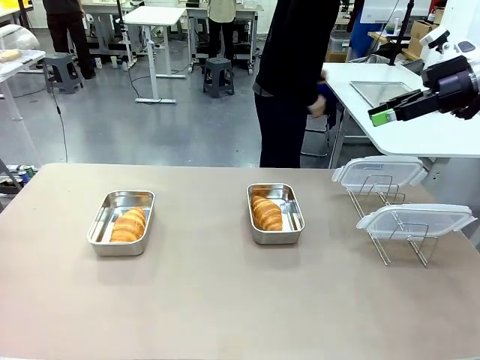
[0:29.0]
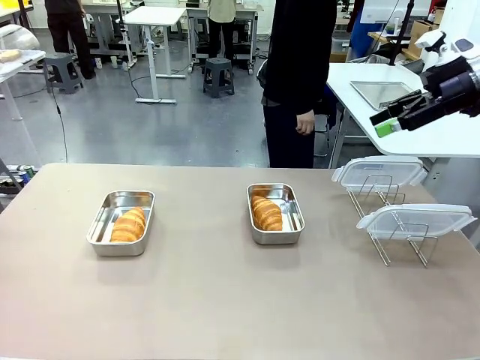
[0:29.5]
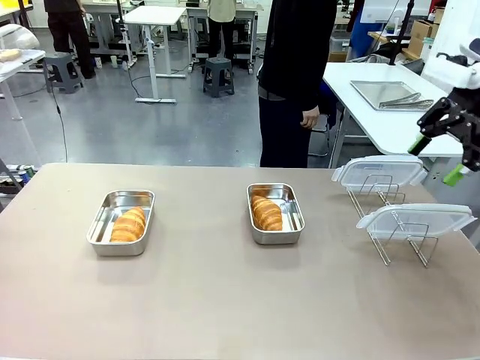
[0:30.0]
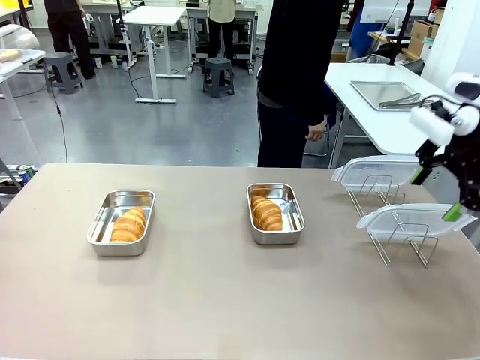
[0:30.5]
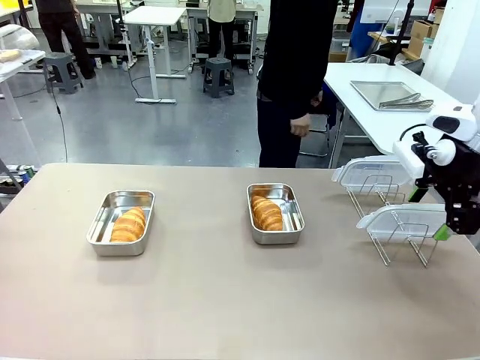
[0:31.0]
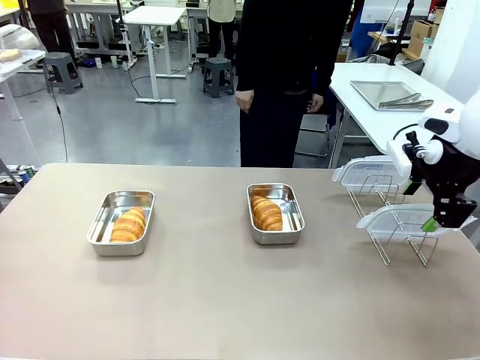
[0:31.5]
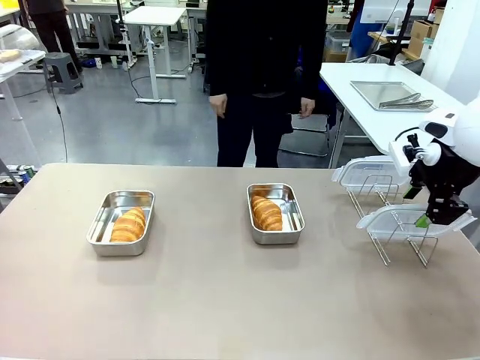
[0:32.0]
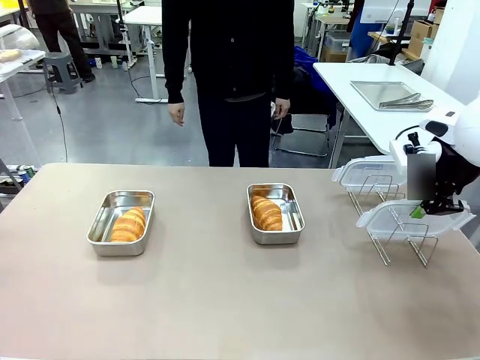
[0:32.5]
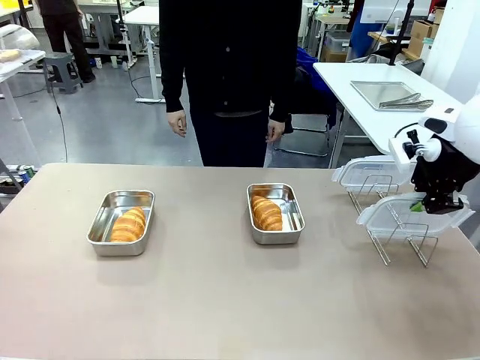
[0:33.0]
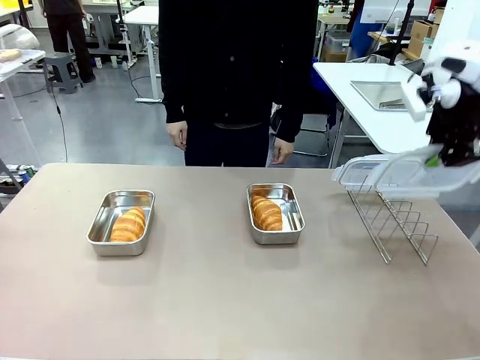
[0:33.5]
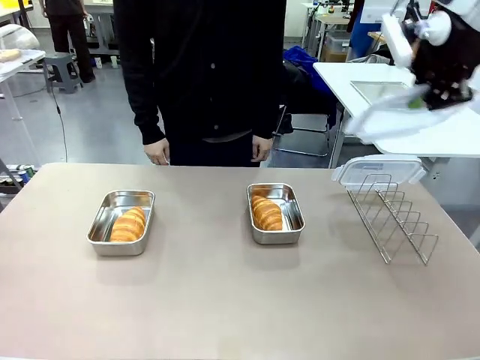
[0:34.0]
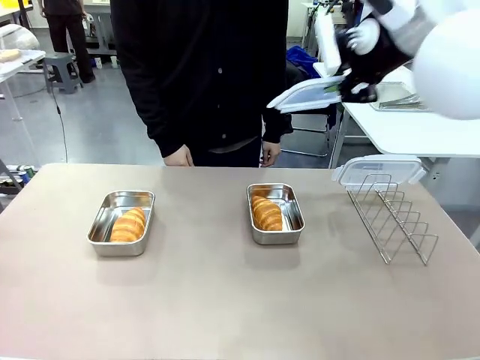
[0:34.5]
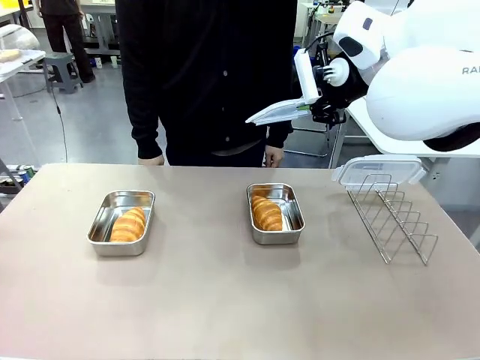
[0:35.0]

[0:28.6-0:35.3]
Task: Place the bread in airtight containers.
Robot: Pick up one Airtight Container lid and hand it to the human.
Person: Grip Airtight Container lid that robot is handing.

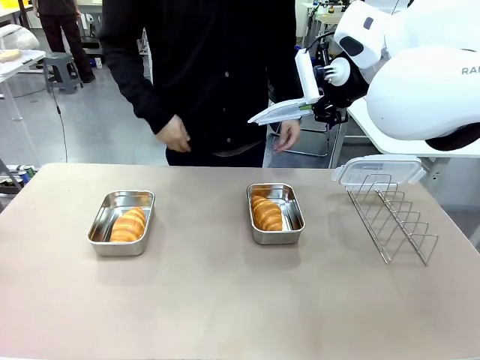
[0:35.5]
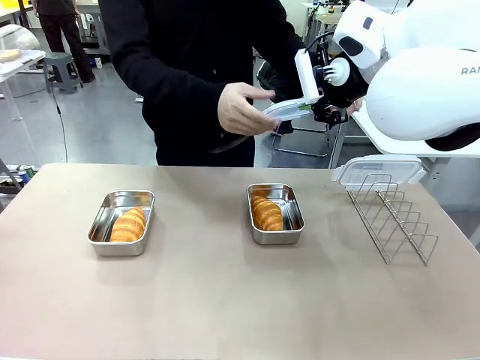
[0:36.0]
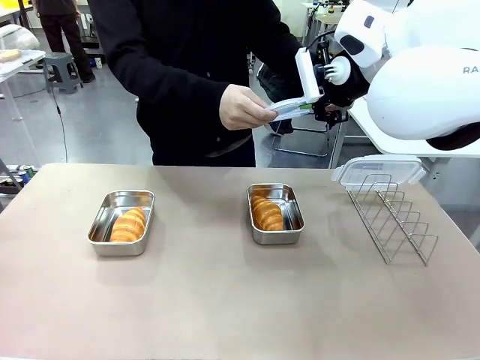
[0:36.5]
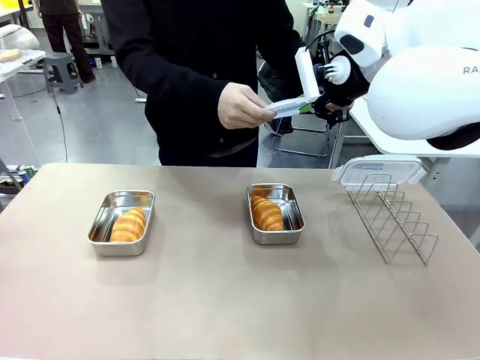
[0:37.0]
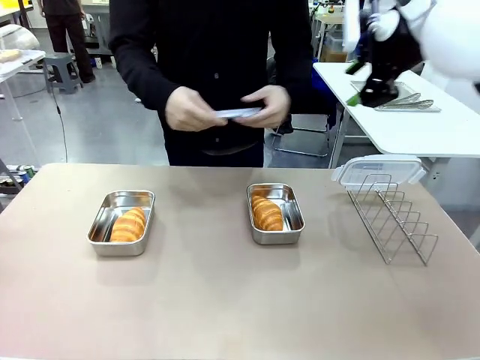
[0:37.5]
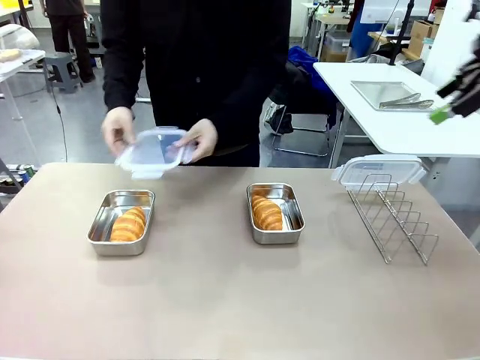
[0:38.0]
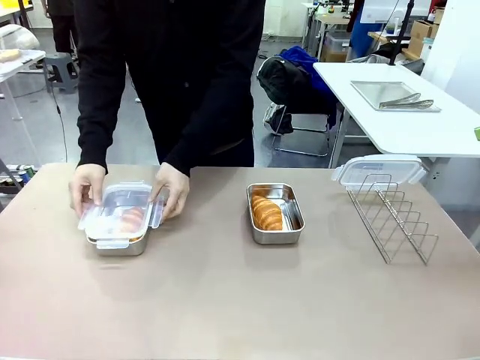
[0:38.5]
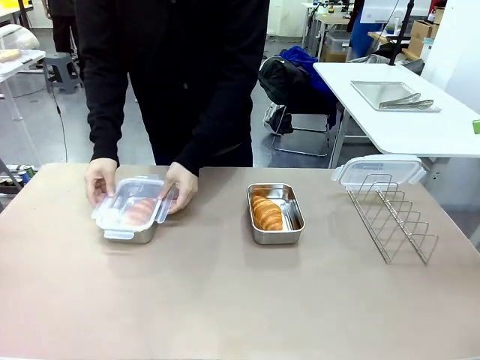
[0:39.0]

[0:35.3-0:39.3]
Robot: Release when the human grabs the Airtight Container lid.

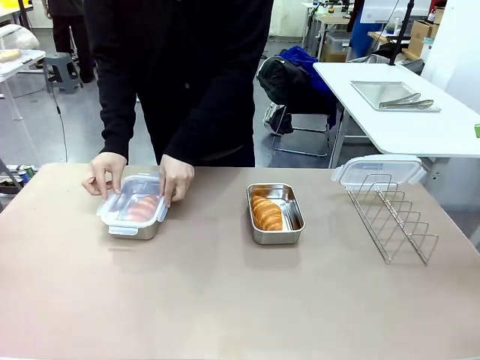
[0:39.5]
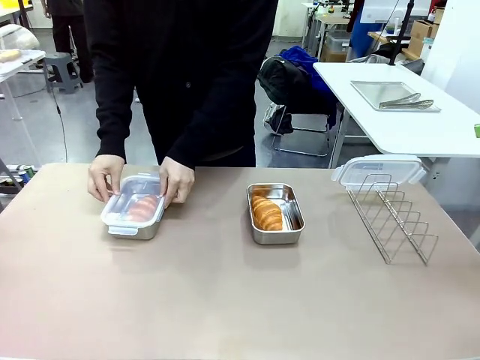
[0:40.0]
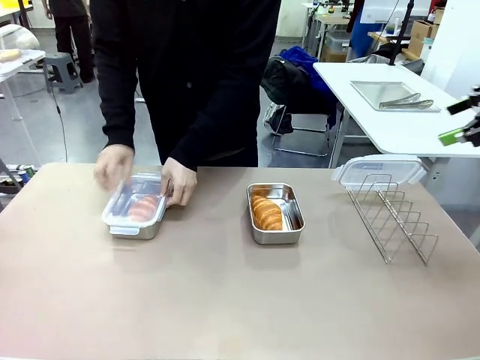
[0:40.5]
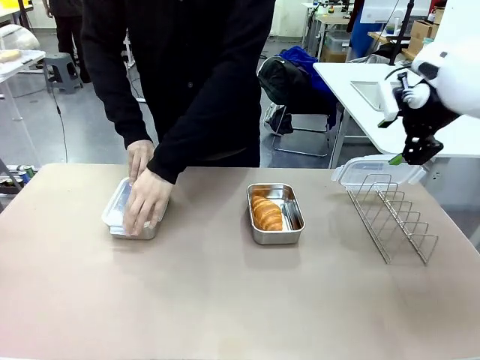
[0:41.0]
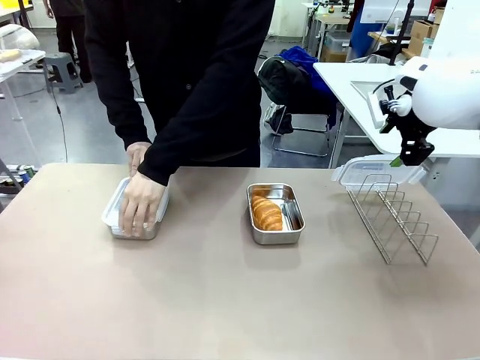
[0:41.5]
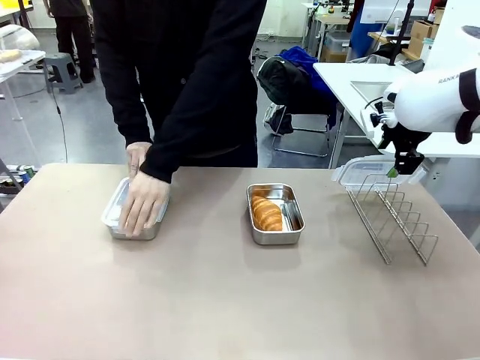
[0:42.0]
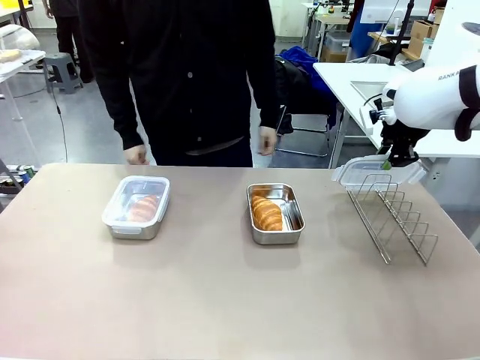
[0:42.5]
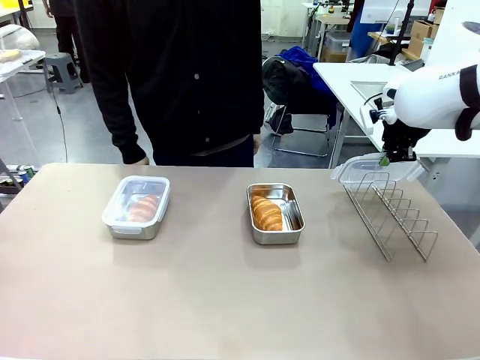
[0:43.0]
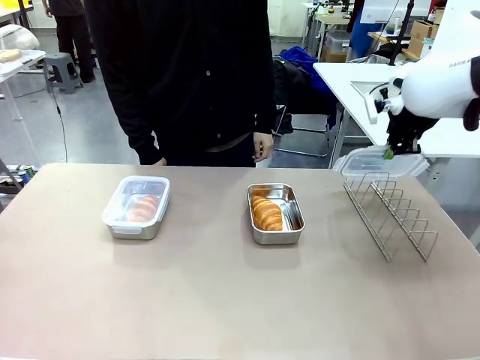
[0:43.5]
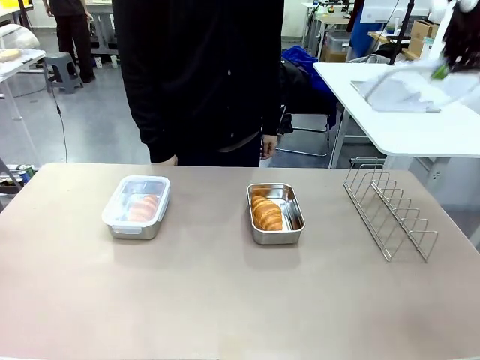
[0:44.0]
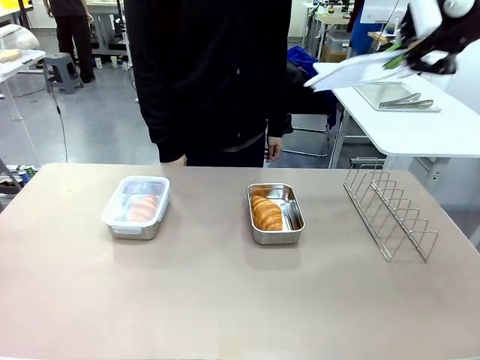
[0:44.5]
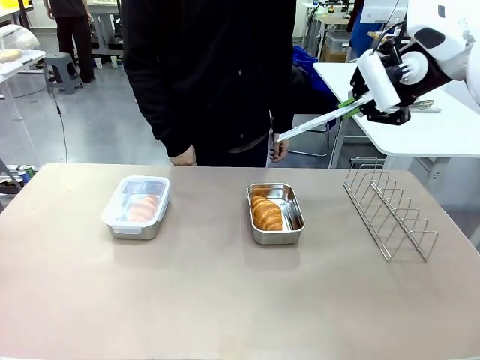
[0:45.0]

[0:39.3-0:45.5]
Robot: Pick up one Airtight Container lid and hand it to the human.
Person: Close Airtight Container with a handed Airtight Container lid. Grip Airtight Container lid that robot is handing.

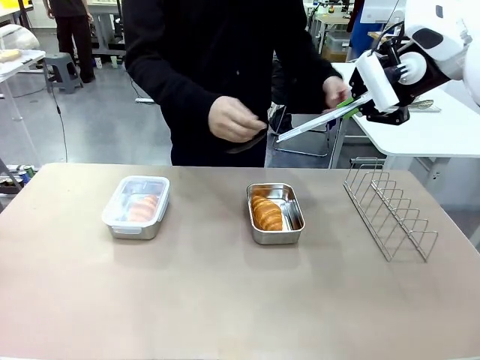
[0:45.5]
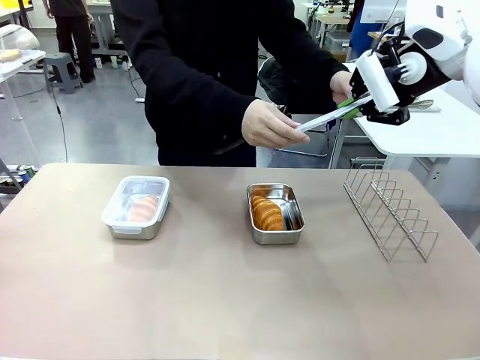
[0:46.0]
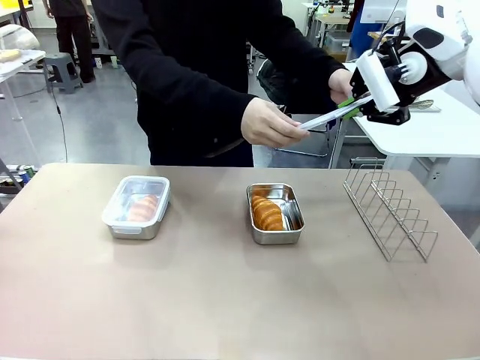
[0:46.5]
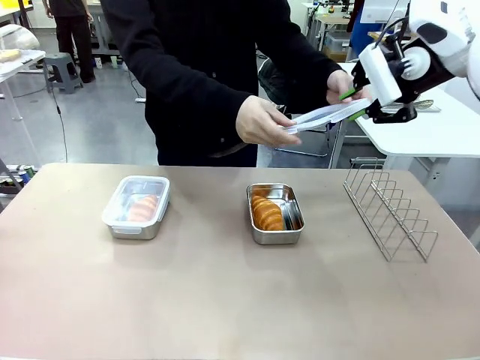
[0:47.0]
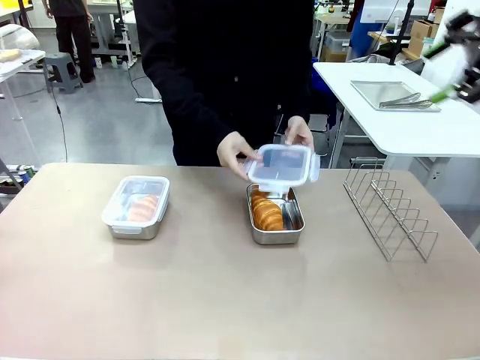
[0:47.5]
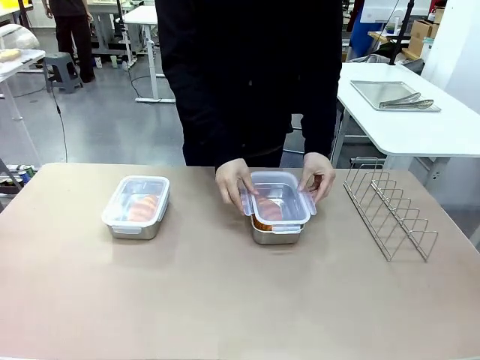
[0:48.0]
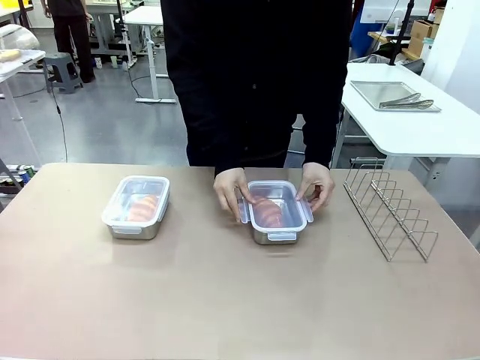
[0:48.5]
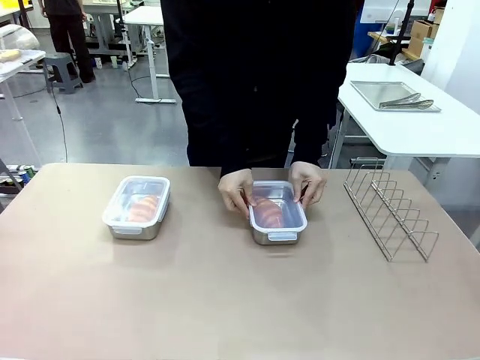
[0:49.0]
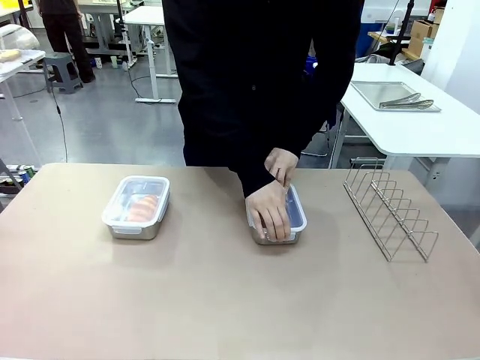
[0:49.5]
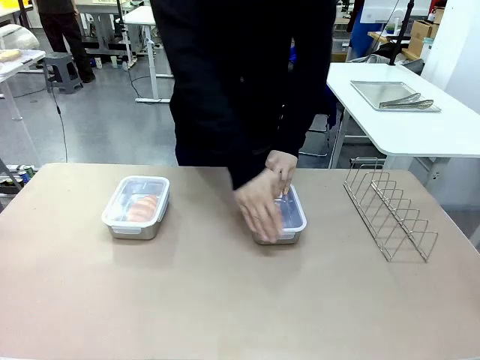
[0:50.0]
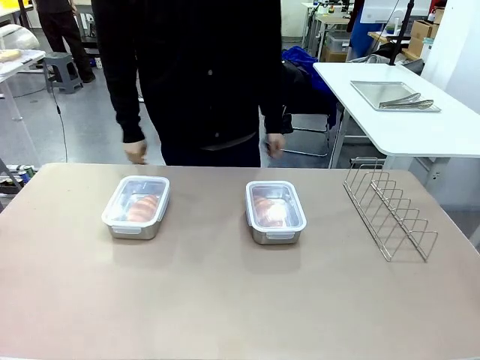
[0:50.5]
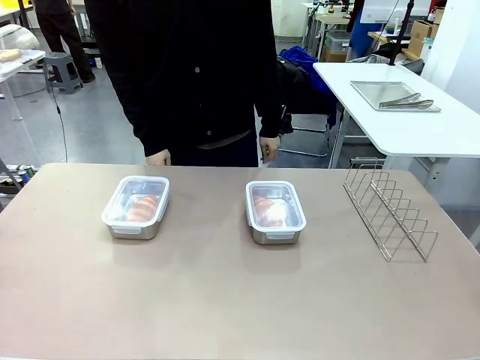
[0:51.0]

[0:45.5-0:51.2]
Robot: Release when the human grabs the Airtight Container lid.
Person: Close Airtight Container with a handed Airtight Container lid.

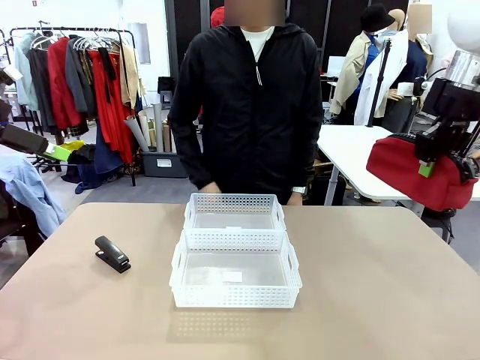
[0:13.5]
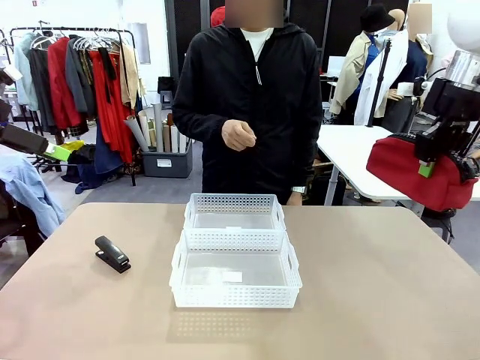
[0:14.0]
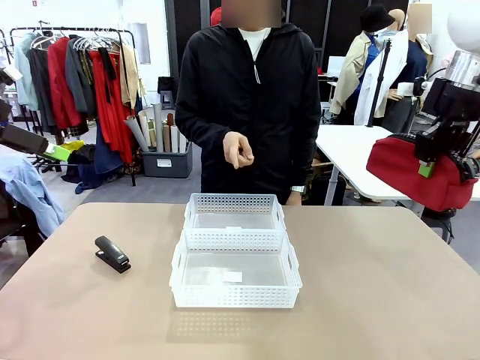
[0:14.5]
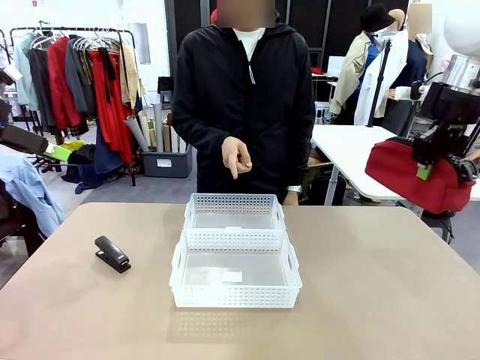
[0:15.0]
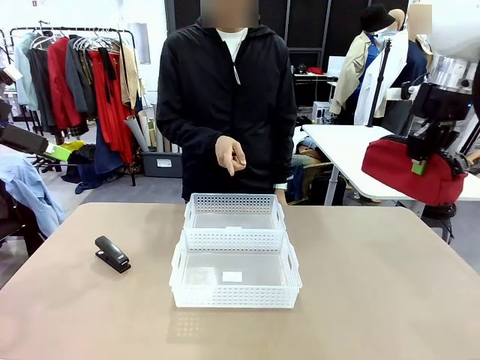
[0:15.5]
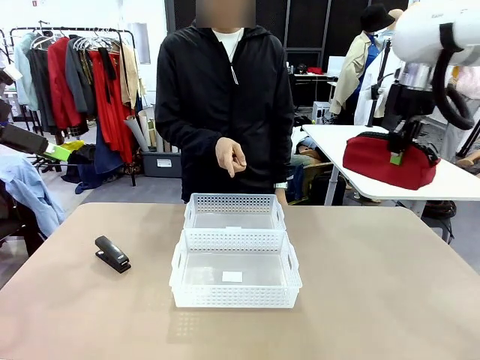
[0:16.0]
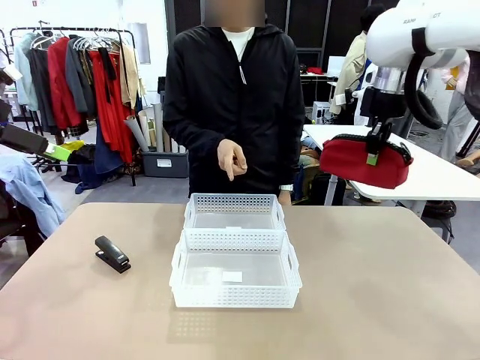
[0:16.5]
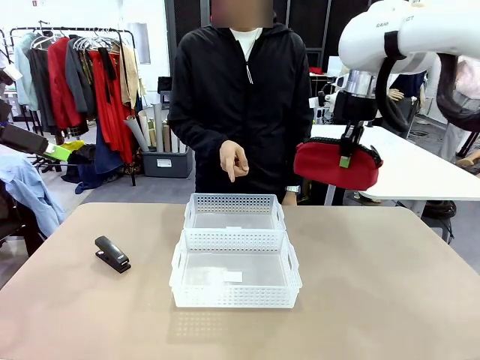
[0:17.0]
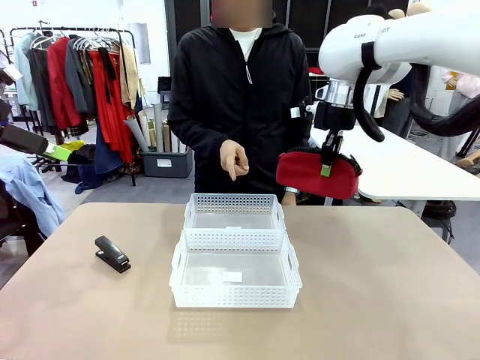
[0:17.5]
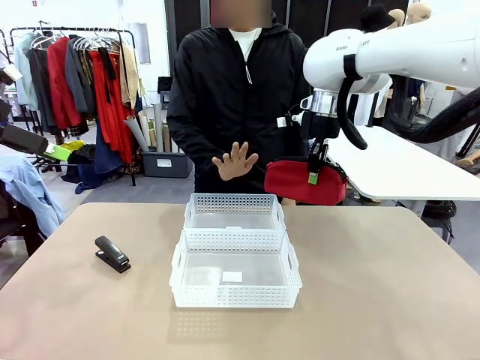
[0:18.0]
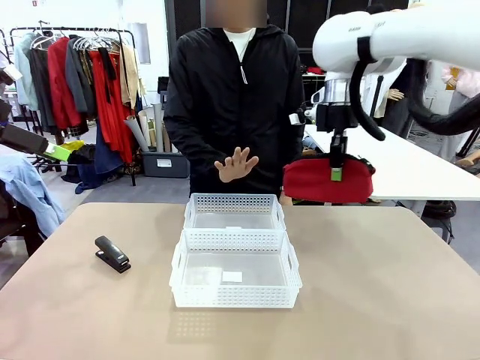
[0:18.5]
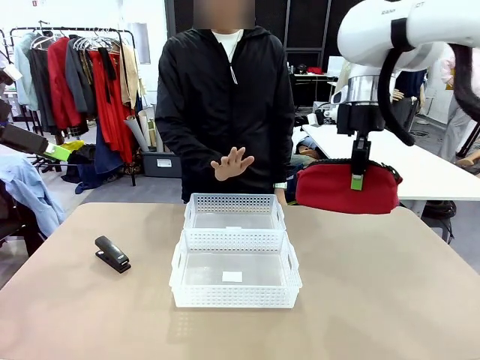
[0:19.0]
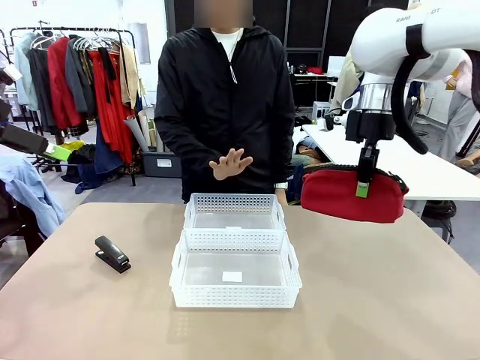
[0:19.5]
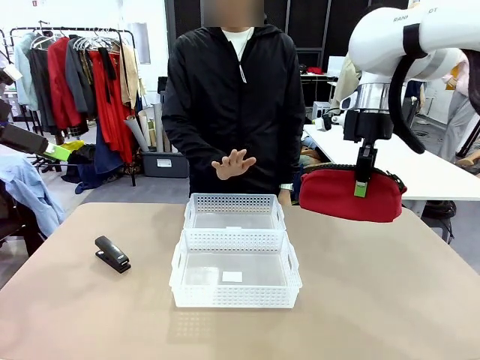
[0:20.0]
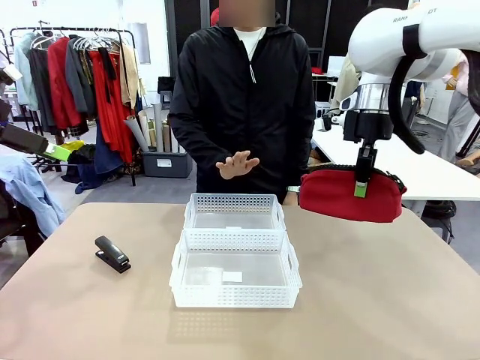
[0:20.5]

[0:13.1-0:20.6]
Task: Distribute items into two baskets.
Robot: Move the picked Pencil pouch towards the Organizing basket indicated by the person, stopping as directed.
Person: Sends a stop gesture before the robot places the pencil case into the basket.
